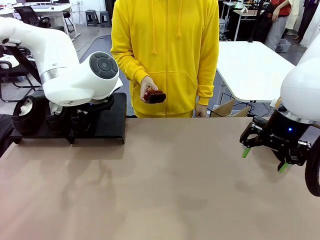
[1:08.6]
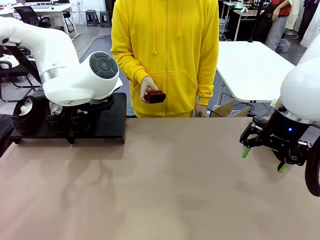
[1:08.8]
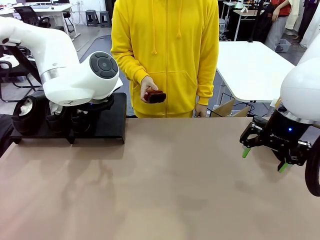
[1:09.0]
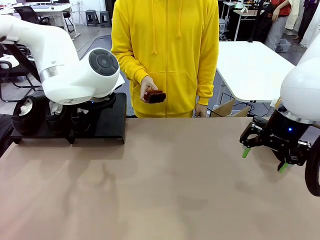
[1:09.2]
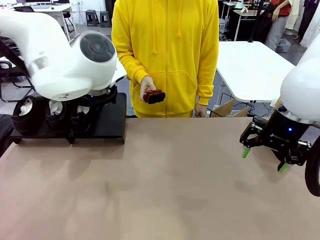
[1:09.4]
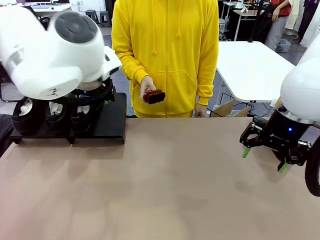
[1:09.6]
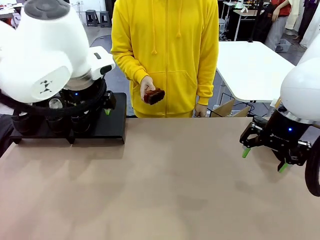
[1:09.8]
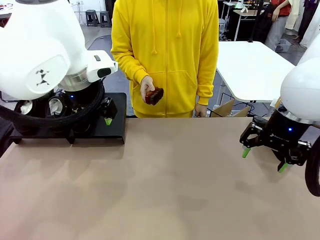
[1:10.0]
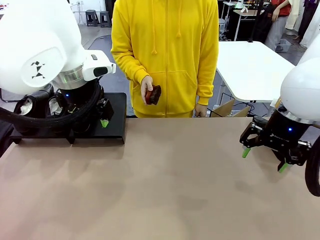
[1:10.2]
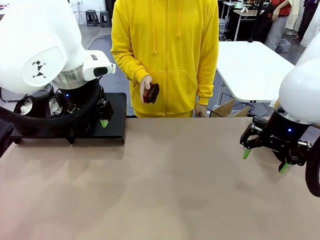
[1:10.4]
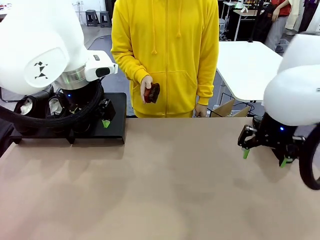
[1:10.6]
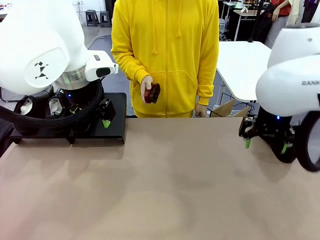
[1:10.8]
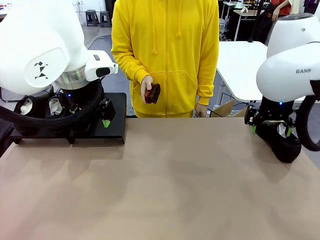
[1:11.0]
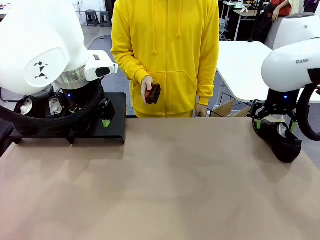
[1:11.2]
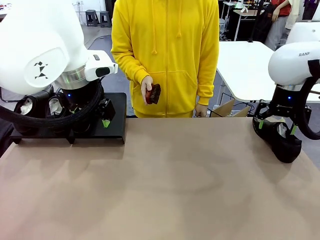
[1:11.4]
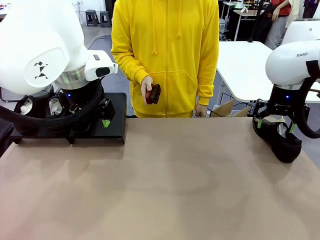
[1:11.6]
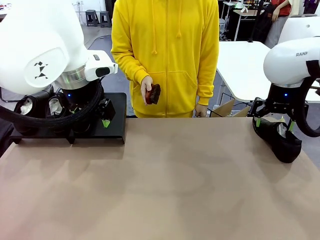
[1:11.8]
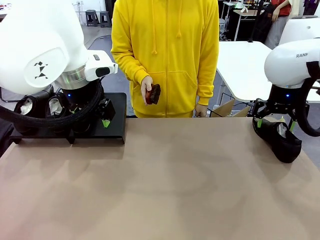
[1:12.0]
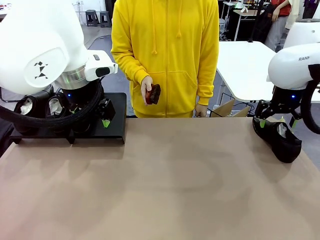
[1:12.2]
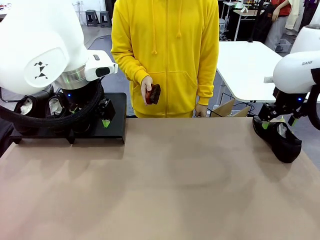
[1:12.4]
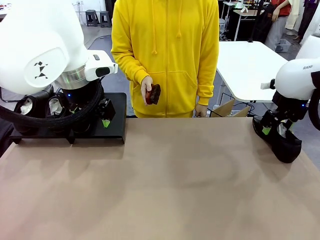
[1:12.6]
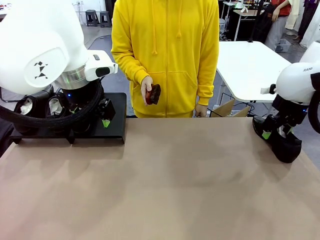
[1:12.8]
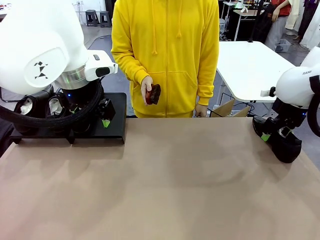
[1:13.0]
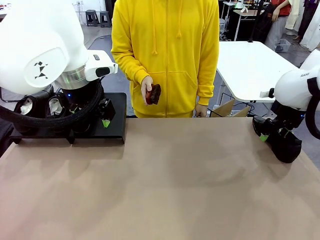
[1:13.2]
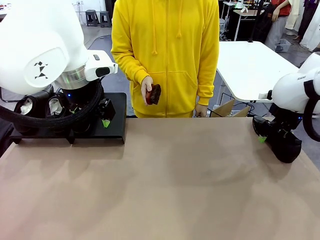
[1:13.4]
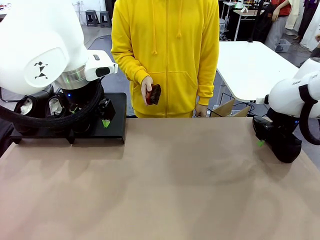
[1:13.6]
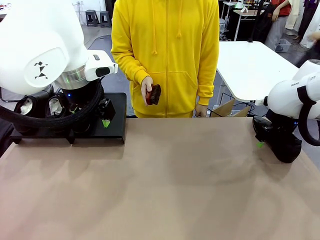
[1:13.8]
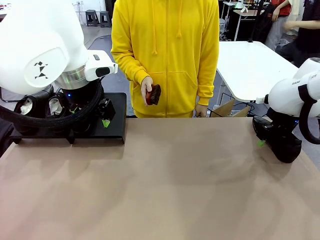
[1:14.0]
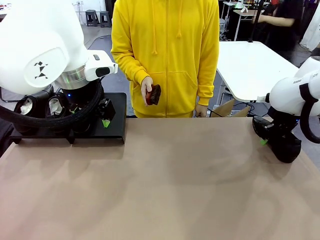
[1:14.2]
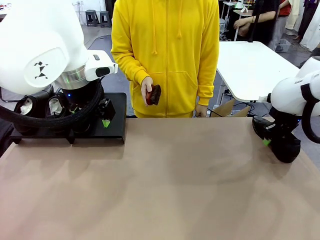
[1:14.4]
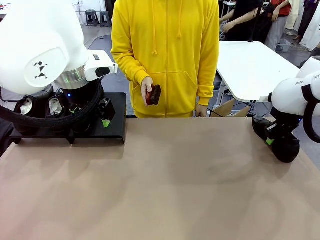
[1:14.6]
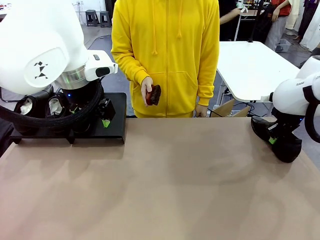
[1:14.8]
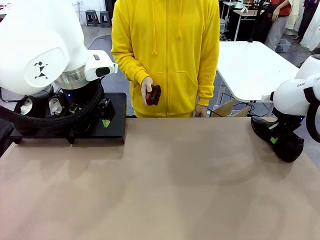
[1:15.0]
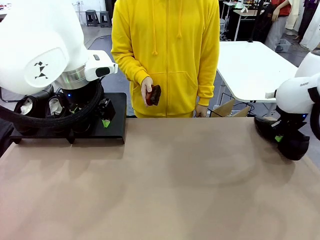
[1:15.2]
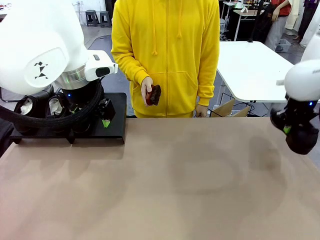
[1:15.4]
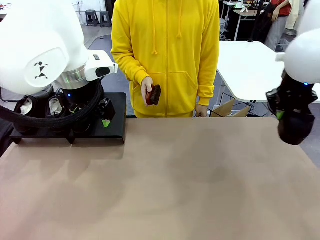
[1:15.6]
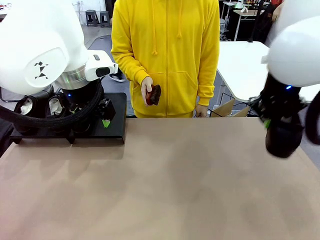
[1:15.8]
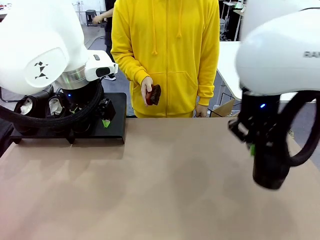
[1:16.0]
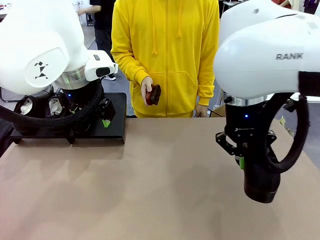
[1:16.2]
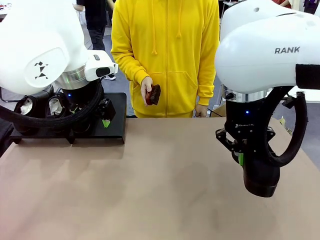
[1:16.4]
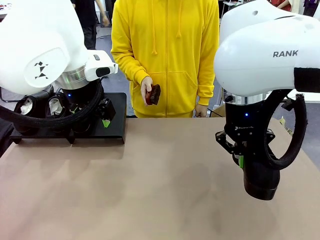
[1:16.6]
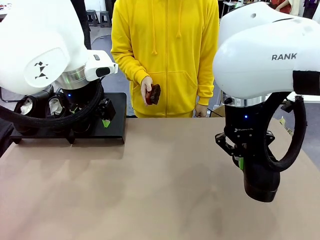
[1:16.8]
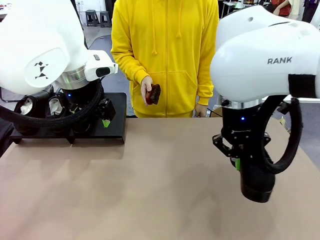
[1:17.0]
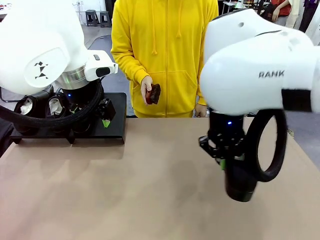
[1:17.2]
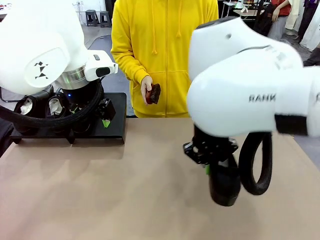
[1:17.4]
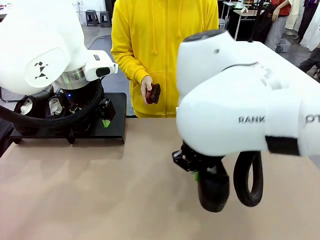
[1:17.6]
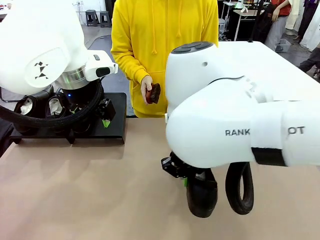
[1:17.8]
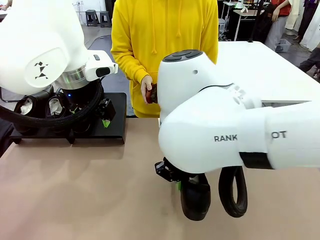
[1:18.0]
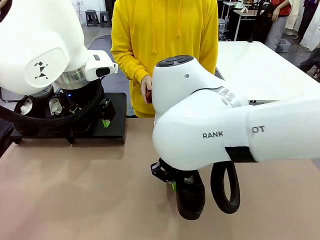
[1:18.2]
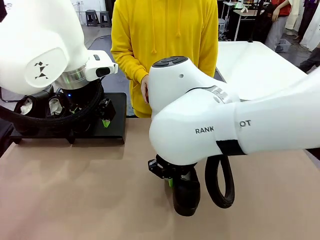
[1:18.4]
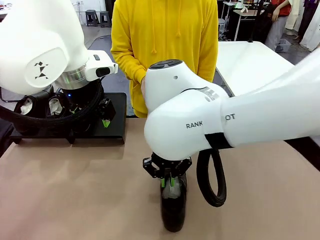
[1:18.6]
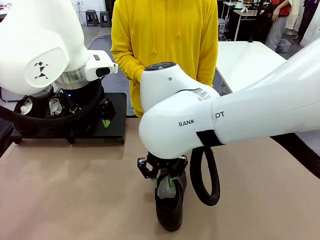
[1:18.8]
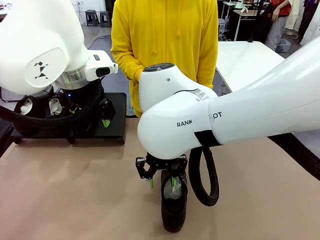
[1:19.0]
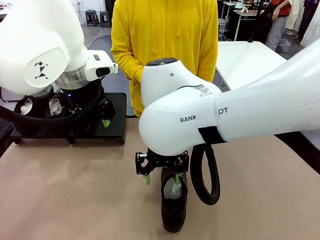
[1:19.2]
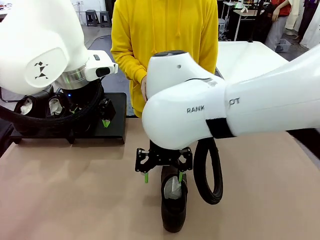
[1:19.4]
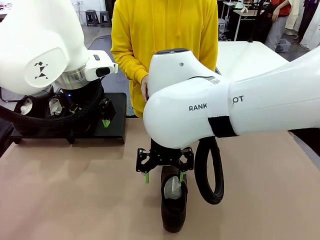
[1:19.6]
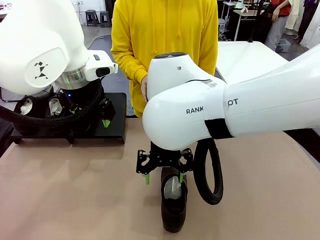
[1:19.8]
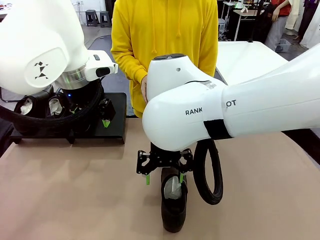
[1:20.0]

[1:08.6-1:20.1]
Task: Organize the shoes by placing them on the stand.
Robot: Pick up one Shoe and place it in the middle of the table.

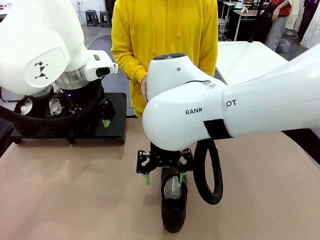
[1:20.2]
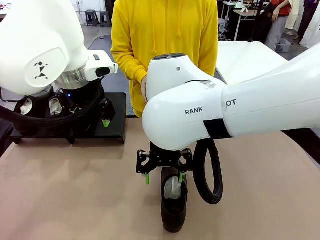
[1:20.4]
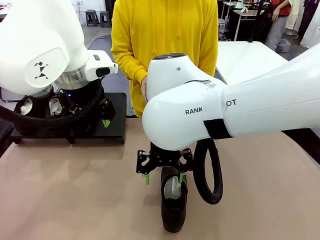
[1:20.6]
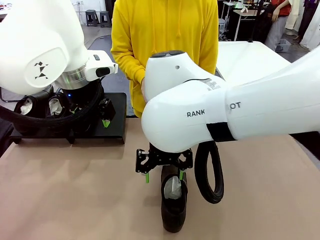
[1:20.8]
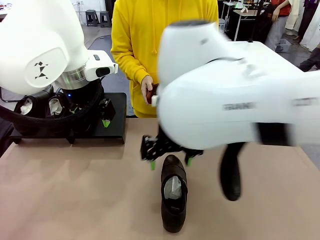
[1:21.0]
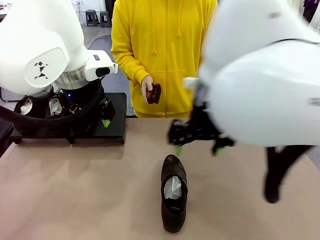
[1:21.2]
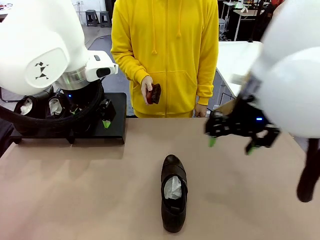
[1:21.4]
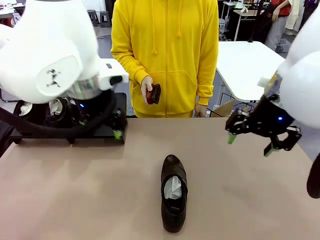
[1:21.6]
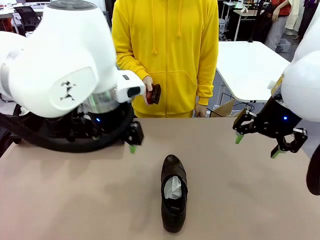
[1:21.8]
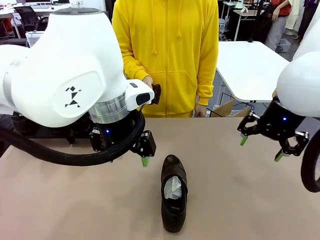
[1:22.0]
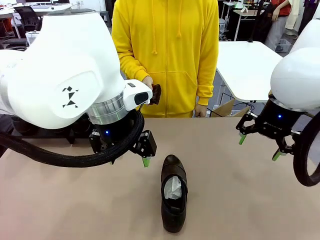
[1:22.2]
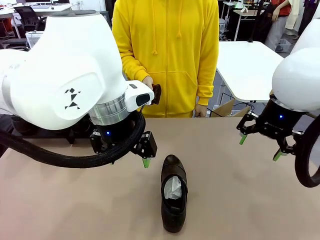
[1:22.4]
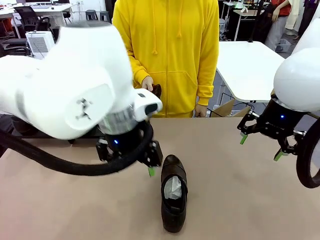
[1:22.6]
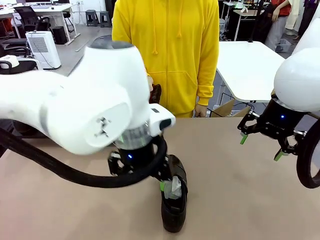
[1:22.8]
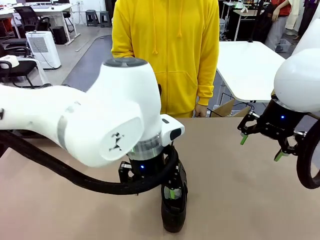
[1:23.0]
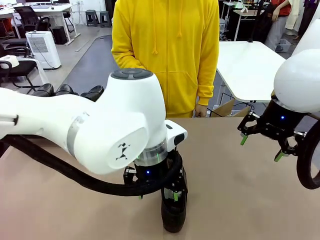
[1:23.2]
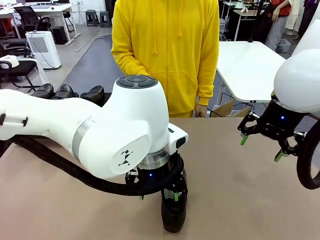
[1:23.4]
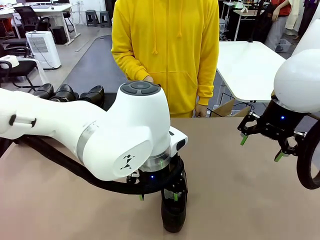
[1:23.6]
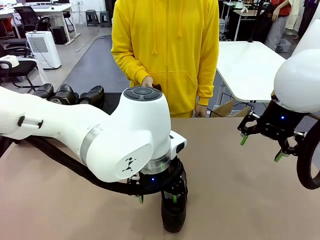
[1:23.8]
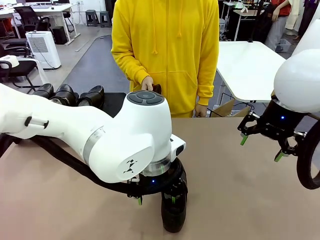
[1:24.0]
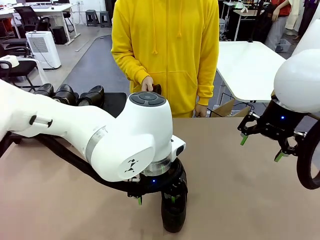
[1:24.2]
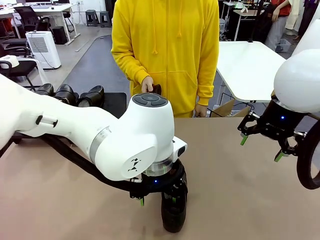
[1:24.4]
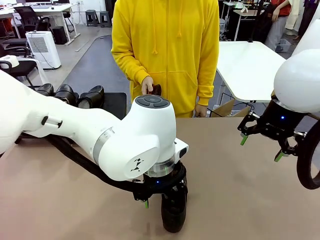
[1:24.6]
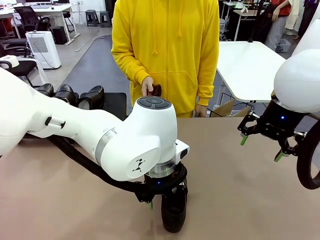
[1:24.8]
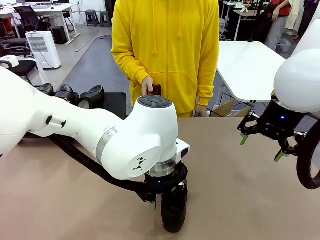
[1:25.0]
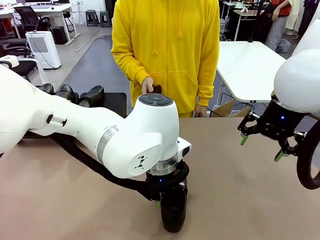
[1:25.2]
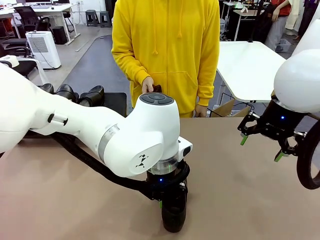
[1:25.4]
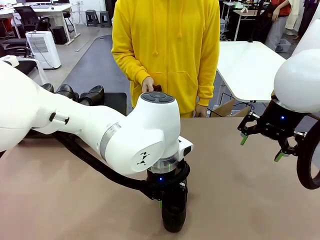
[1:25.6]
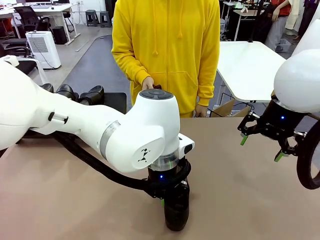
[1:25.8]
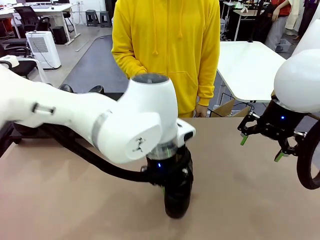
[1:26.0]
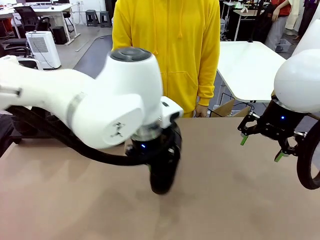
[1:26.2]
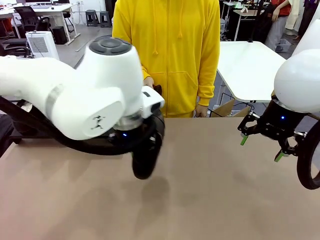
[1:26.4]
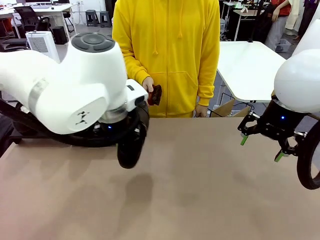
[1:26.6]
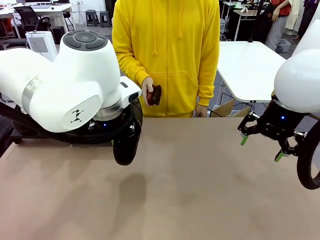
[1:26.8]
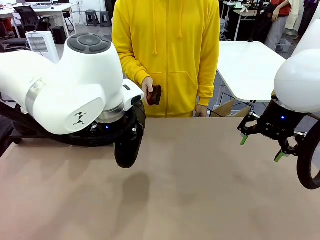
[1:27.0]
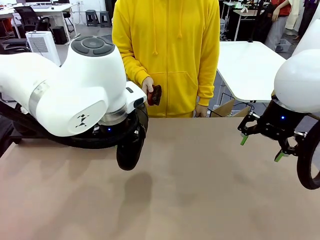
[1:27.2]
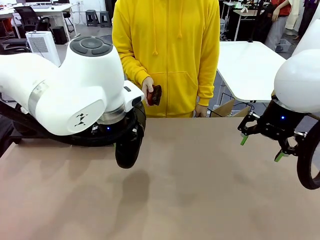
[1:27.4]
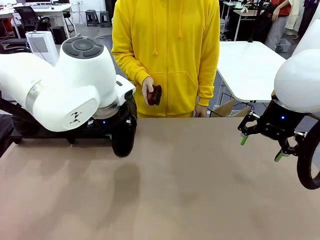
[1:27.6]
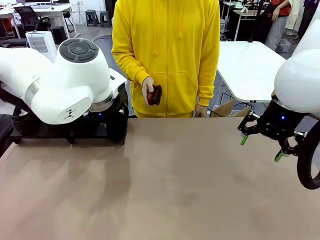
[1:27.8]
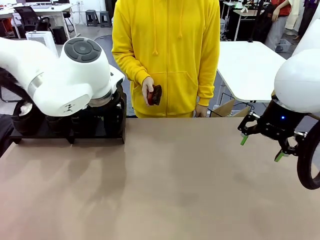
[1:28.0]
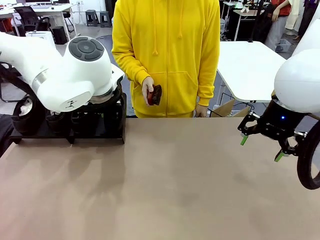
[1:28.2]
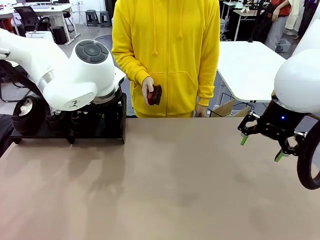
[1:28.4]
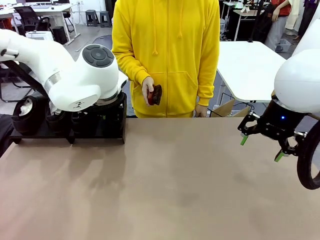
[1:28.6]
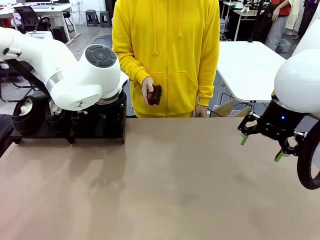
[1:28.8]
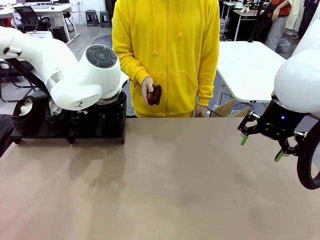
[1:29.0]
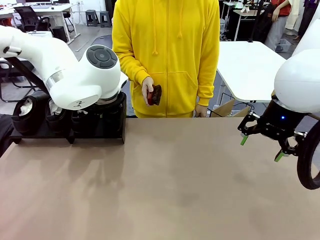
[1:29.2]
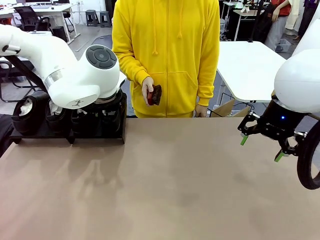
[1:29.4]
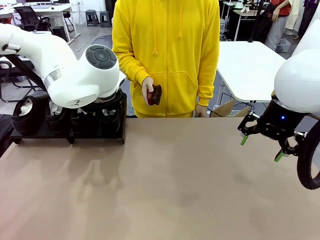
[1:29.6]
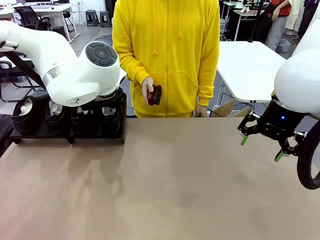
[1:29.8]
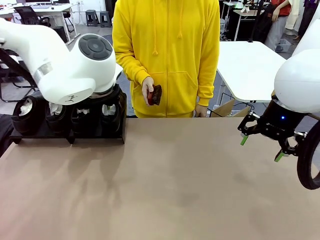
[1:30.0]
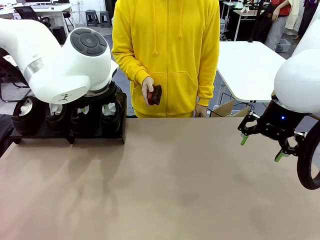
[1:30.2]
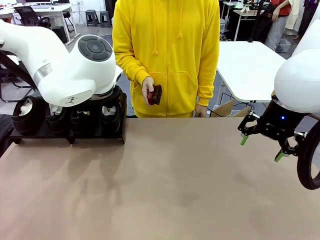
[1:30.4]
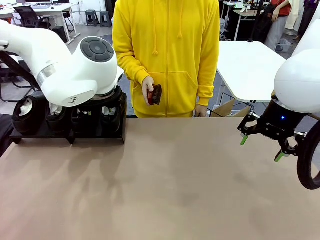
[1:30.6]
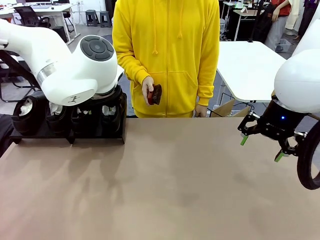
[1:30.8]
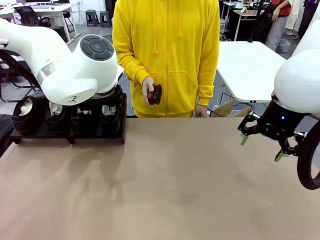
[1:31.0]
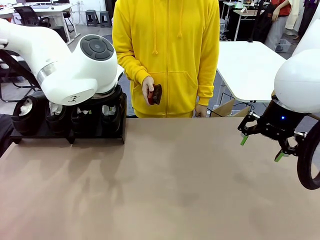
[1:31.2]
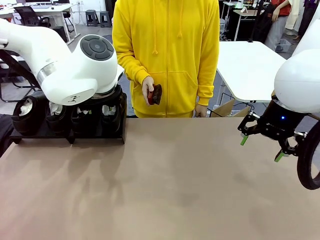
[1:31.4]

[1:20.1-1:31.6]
Robot: Place the Shoe from the middle of the table onto the Shoes Stand.
